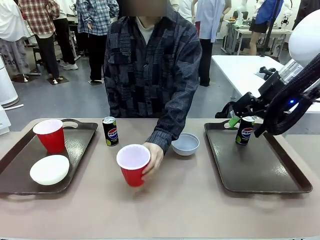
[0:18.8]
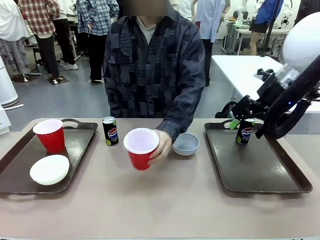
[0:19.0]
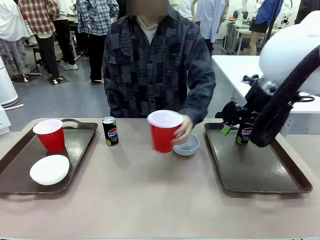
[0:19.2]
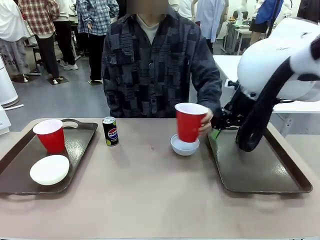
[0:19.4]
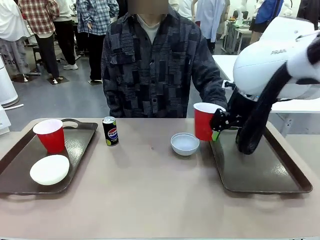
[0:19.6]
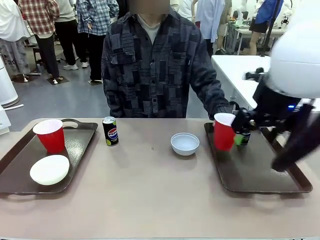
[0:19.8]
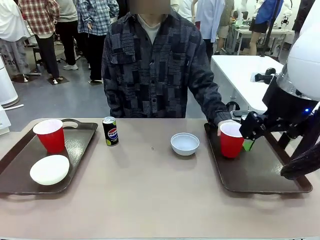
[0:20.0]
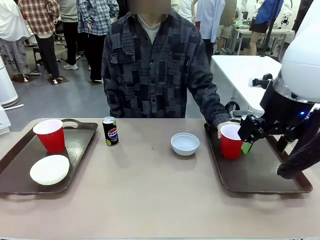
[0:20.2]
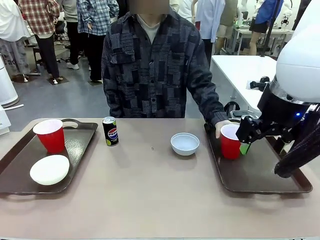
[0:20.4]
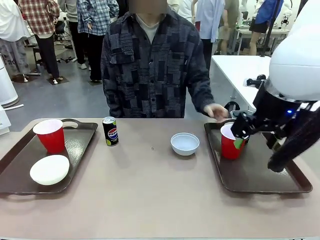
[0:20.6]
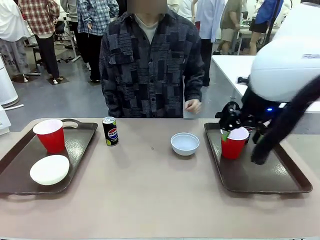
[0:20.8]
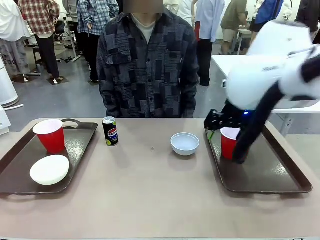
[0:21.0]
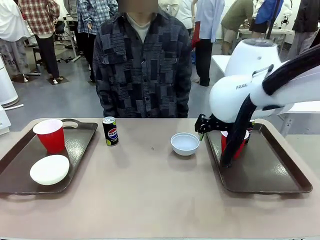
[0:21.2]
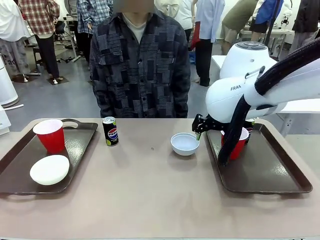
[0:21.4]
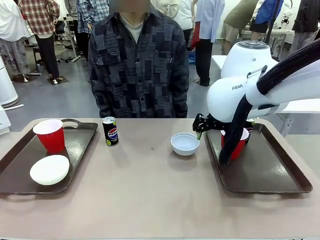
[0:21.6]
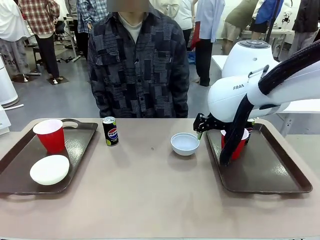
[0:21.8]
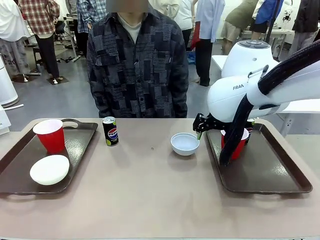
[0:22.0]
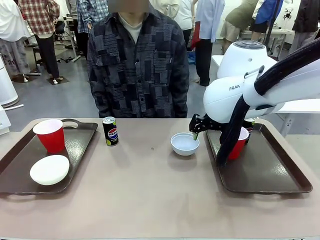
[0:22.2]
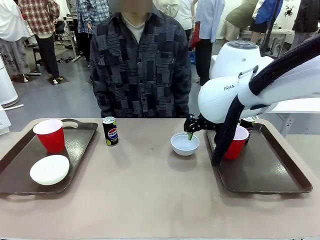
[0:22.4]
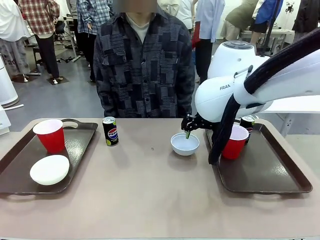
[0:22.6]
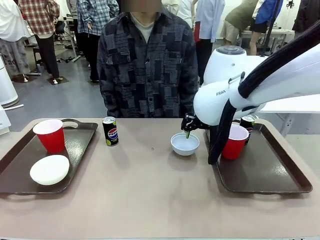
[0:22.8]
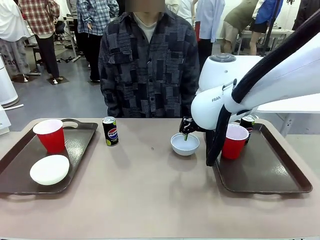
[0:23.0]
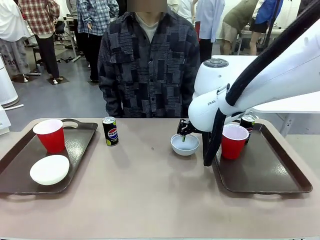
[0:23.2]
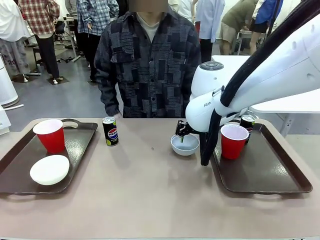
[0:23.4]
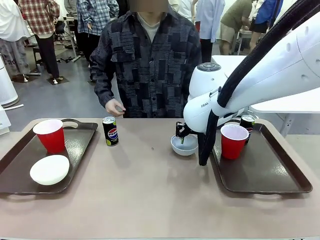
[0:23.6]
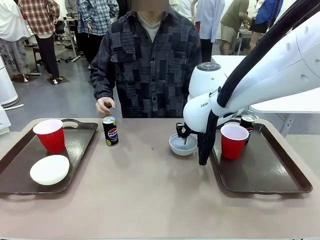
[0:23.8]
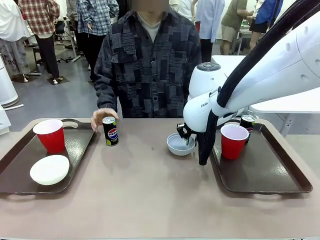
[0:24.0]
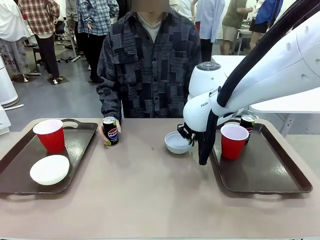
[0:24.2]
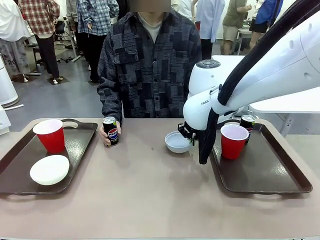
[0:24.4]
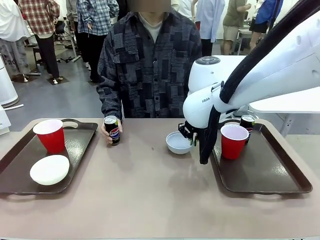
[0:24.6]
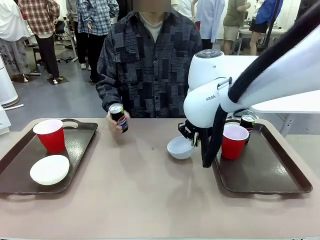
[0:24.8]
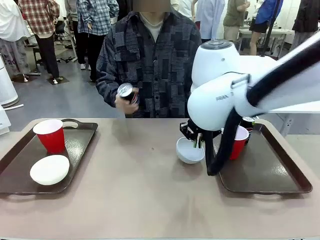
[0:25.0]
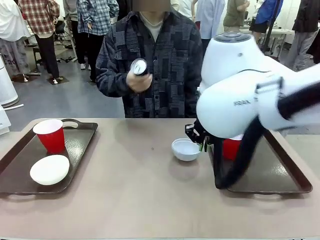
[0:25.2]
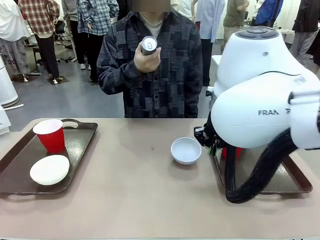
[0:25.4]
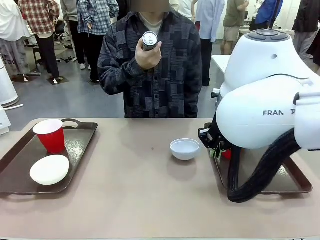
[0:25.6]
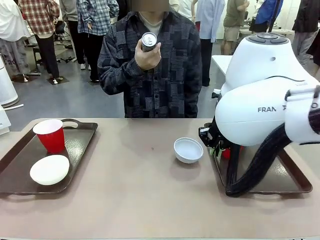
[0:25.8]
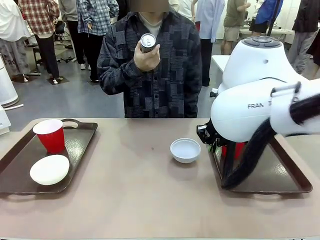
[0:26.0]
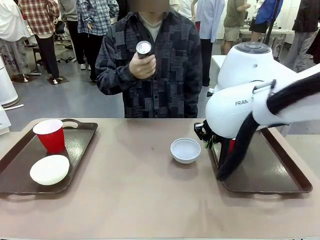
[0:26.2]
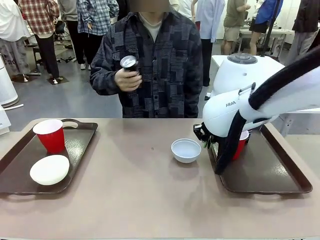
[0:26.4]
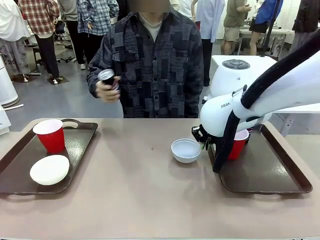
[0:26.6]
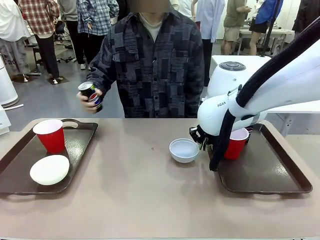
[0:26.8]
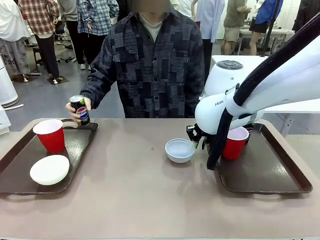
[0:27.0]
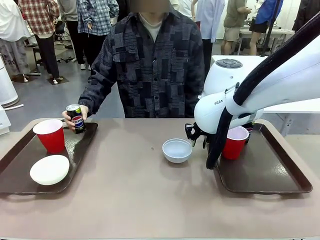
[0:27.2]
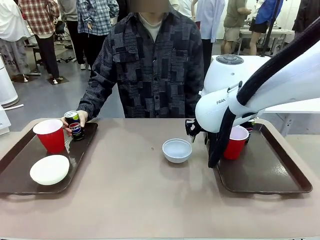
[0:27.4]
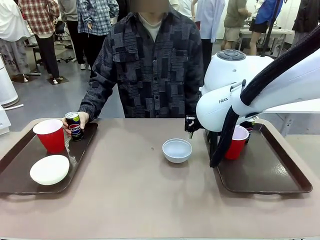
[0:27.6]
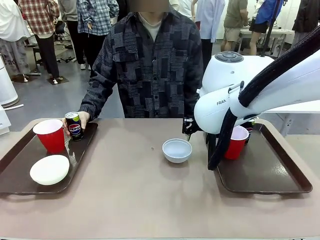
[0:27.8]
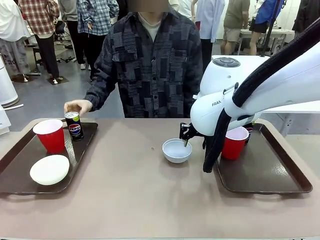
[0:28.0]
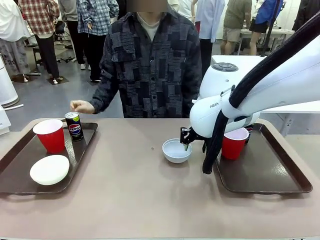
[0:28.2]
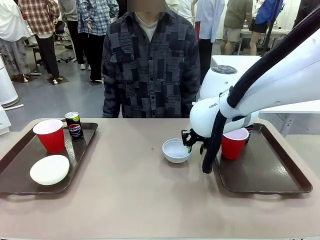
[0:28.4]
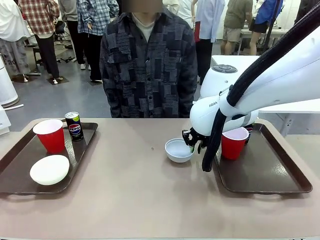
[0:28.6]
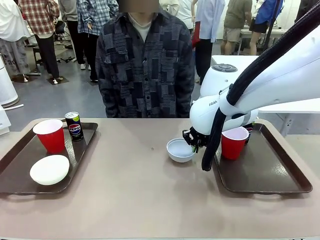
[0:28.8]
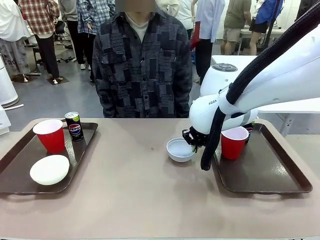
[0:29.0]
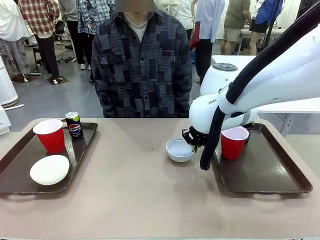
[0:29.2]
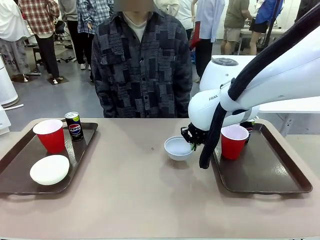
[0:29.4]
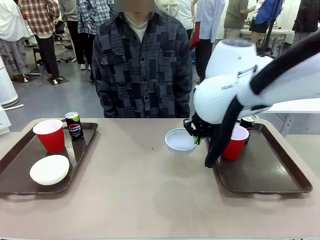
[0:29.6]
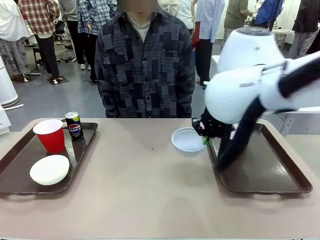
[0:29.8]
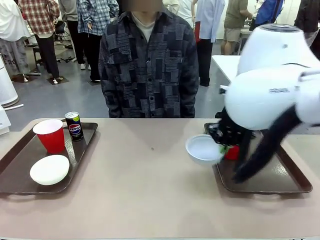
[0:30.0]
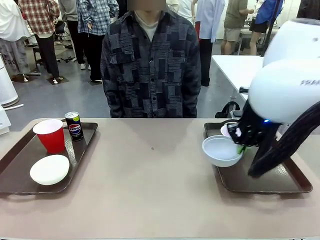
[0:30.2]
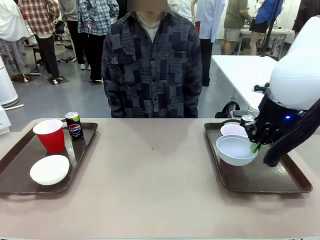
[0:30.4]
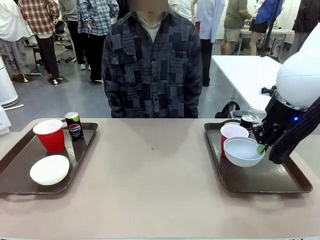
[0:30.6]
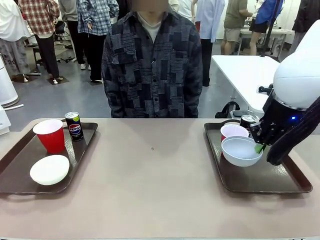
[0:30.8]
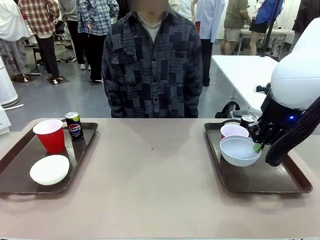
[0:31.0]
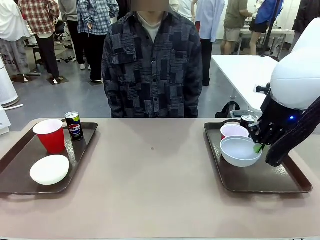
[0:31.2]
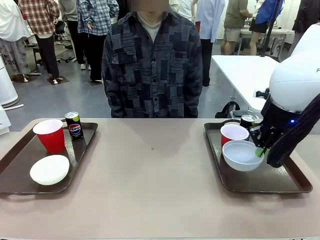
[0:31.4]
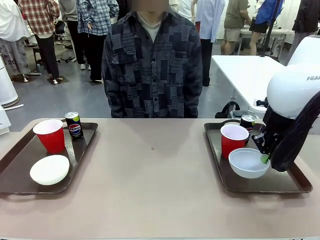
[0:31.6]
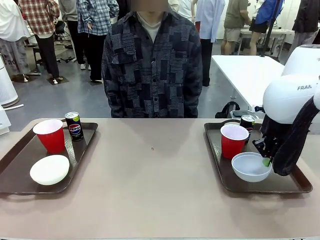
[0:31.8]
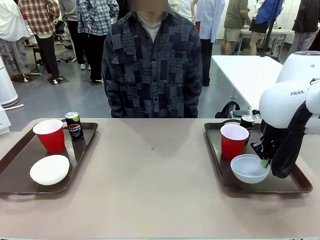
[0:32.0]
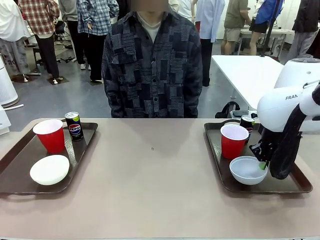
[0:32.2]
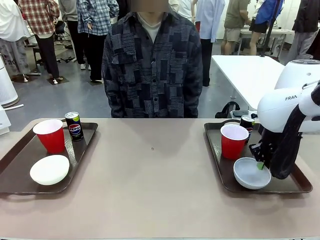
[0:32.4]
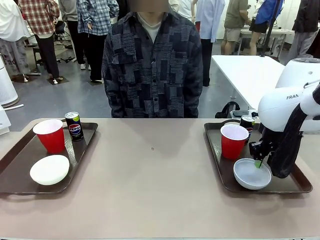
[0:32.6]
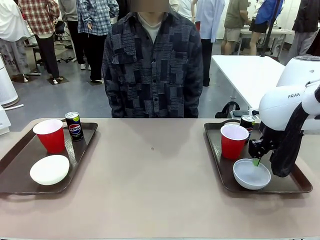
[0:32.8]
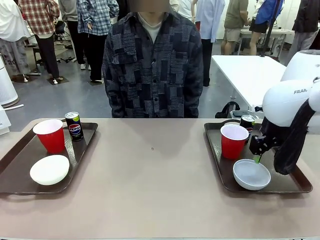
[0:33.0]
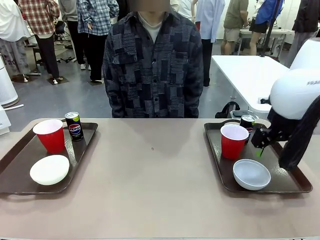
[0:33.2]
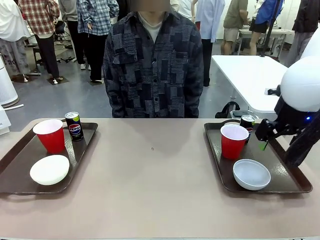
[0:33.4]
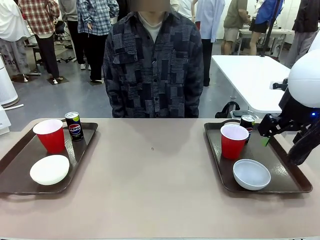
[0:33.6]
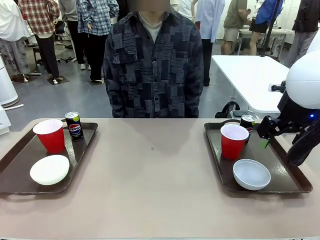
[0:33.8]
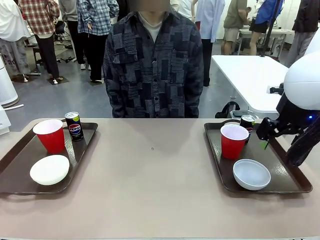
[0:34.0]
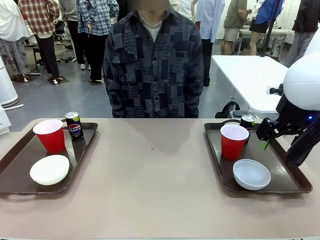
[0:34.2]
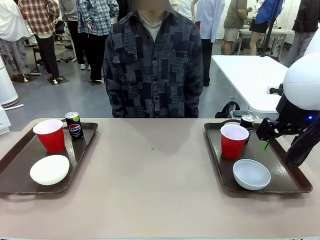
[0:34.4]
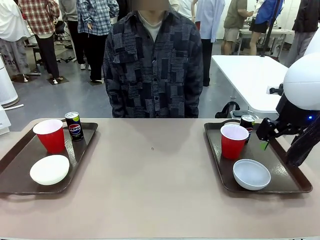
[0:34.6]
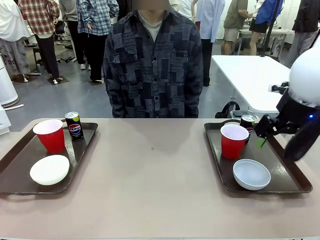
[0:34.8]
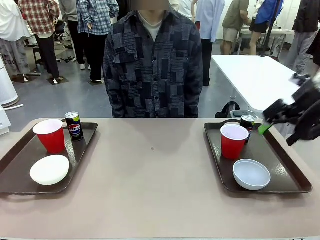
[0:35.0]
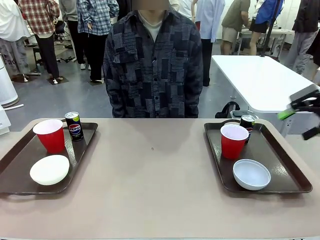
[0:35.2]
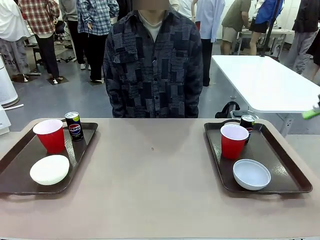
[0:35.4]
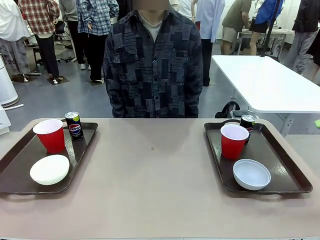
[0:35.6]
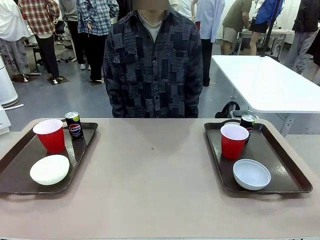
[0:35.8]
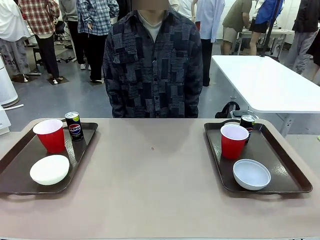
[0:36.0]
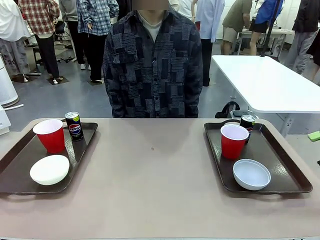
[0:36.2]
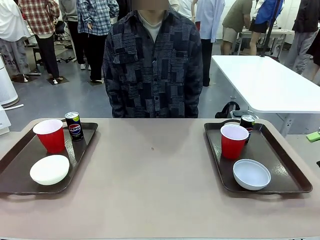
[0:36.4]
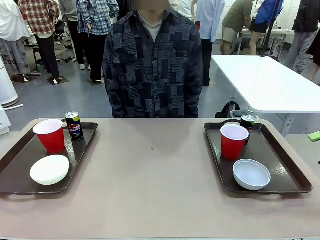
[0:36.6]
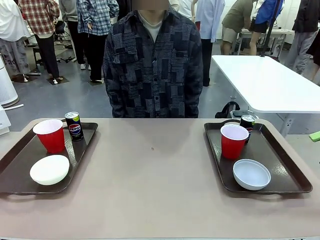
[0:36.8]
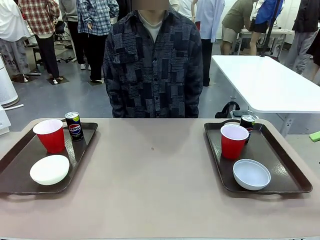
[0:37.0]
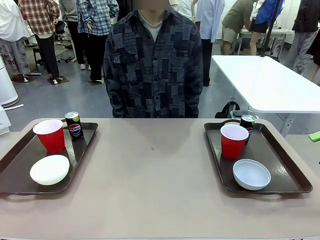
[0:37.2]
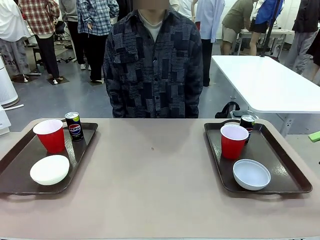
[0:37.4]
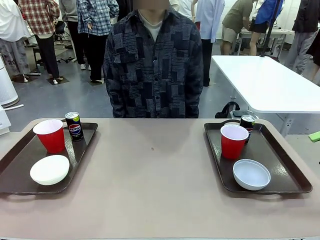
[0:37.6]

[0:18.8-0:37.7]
Task: Prepare tableware on both trays.
Robot: Pick up a Picnic Bowl from the table and place it on a Handle tray.
Person: Pick up a can or cup and place it on the tray without a can or cup.
